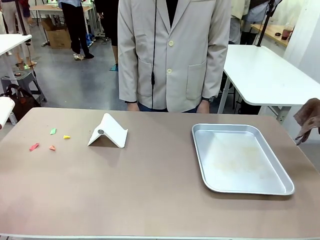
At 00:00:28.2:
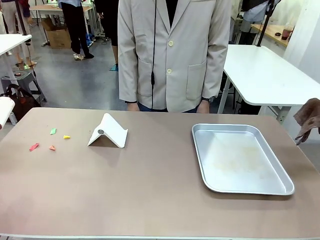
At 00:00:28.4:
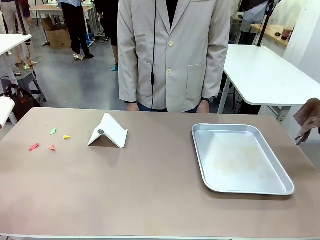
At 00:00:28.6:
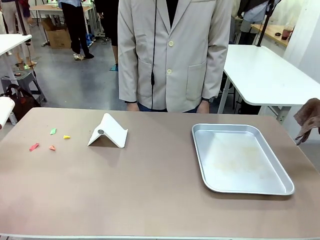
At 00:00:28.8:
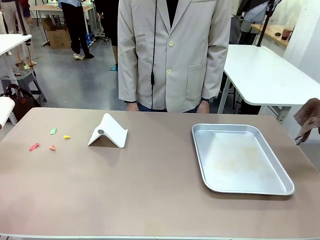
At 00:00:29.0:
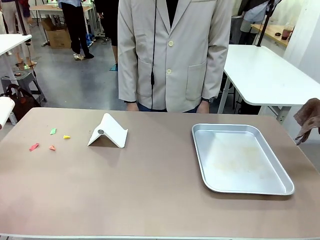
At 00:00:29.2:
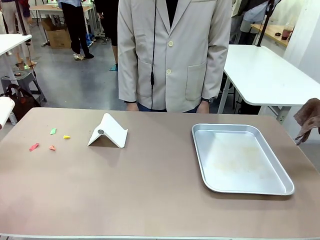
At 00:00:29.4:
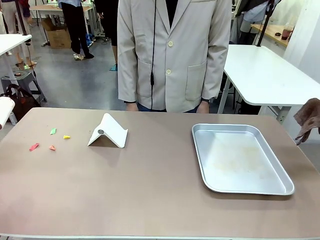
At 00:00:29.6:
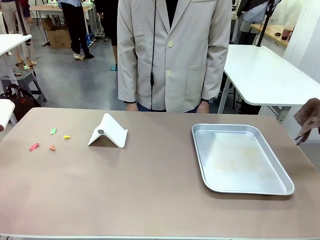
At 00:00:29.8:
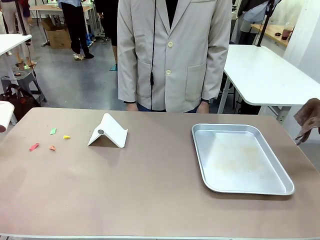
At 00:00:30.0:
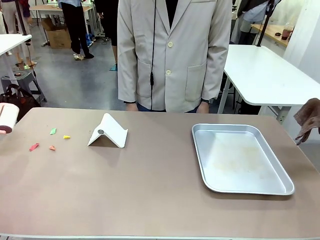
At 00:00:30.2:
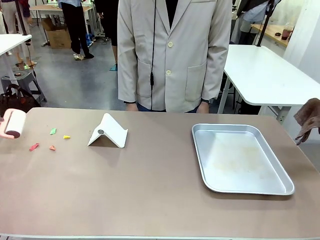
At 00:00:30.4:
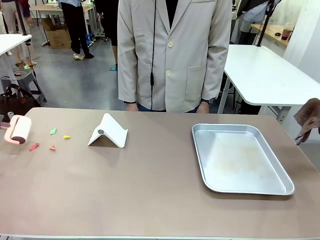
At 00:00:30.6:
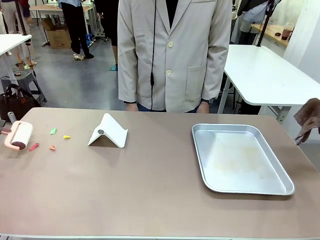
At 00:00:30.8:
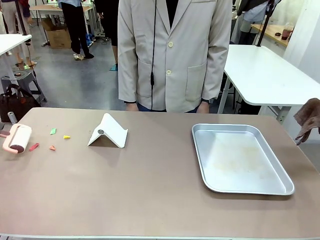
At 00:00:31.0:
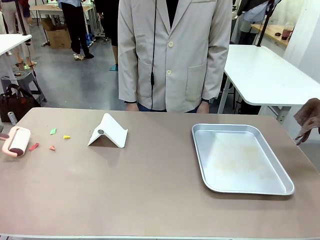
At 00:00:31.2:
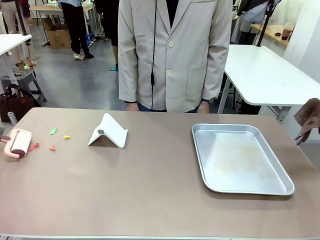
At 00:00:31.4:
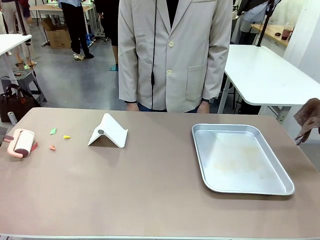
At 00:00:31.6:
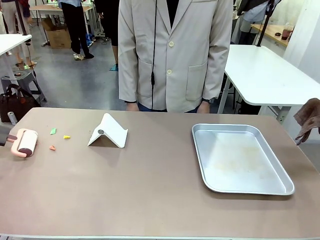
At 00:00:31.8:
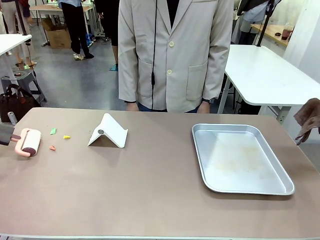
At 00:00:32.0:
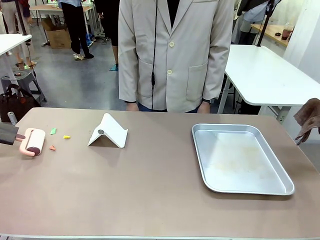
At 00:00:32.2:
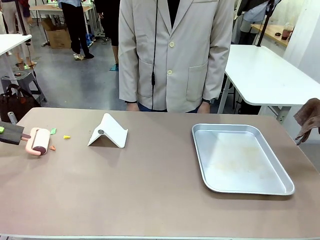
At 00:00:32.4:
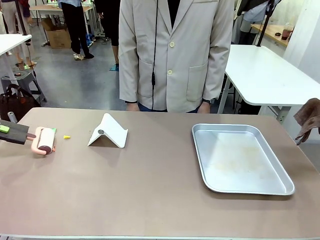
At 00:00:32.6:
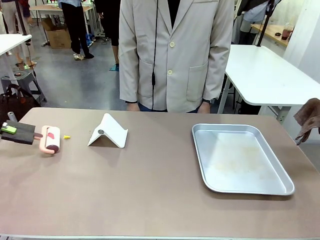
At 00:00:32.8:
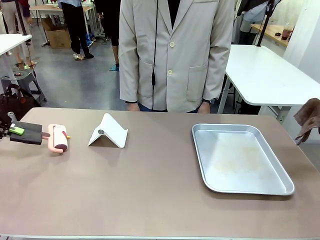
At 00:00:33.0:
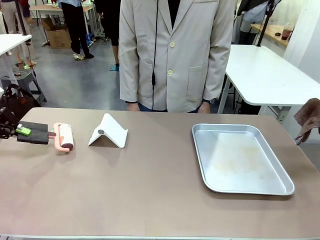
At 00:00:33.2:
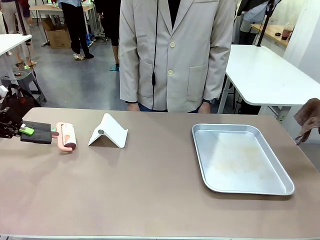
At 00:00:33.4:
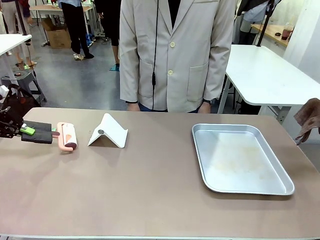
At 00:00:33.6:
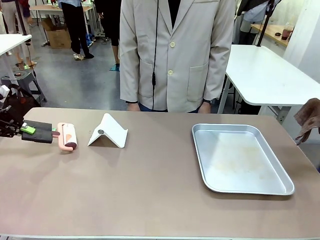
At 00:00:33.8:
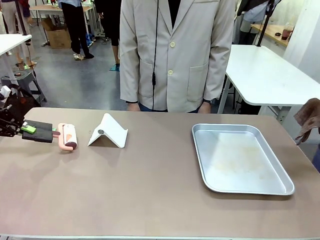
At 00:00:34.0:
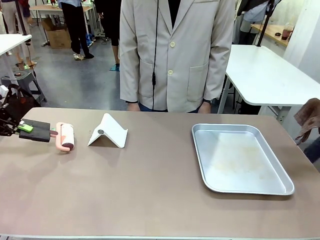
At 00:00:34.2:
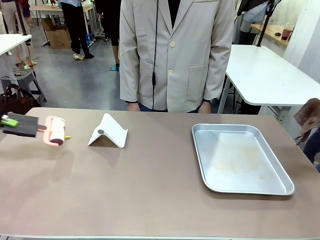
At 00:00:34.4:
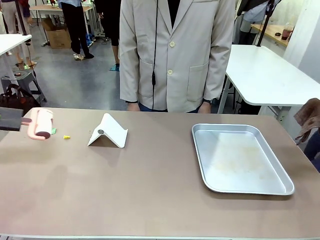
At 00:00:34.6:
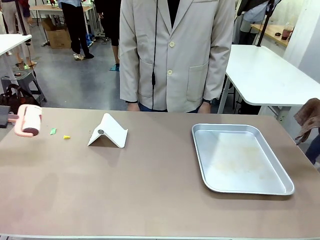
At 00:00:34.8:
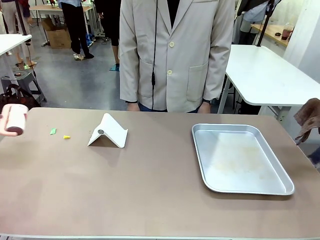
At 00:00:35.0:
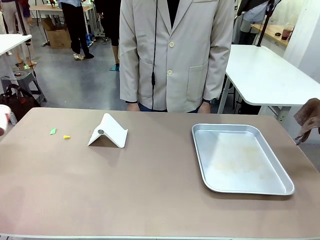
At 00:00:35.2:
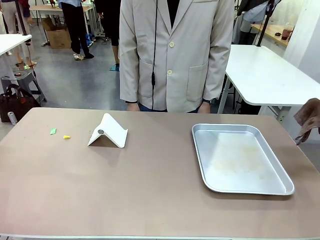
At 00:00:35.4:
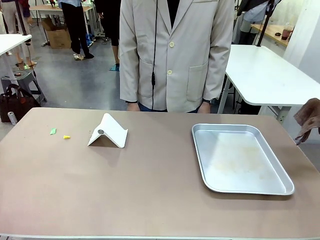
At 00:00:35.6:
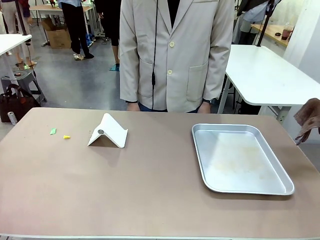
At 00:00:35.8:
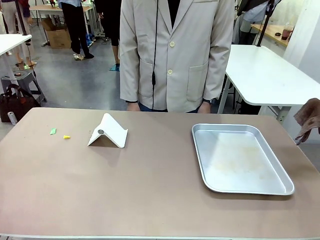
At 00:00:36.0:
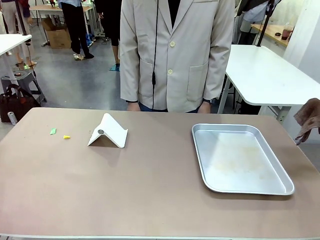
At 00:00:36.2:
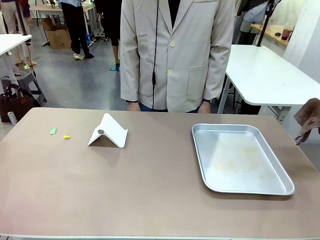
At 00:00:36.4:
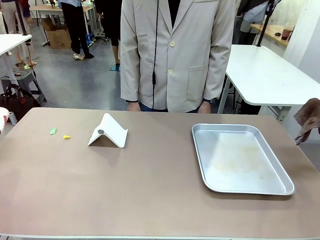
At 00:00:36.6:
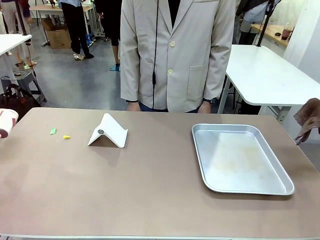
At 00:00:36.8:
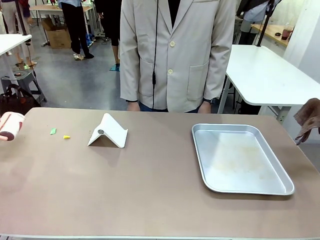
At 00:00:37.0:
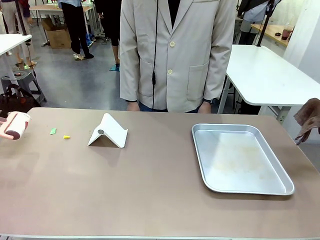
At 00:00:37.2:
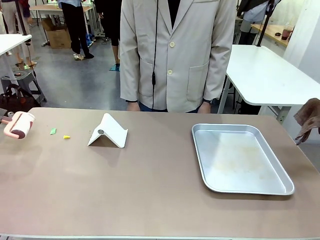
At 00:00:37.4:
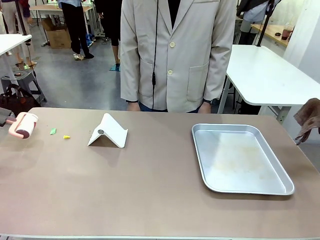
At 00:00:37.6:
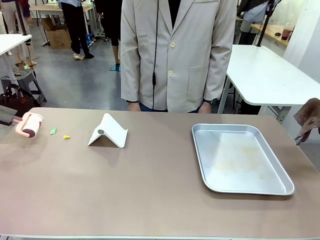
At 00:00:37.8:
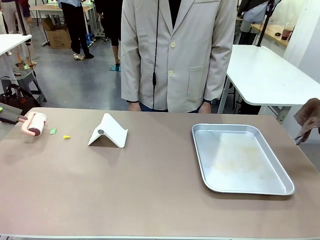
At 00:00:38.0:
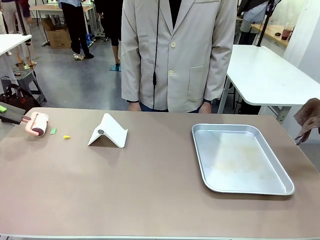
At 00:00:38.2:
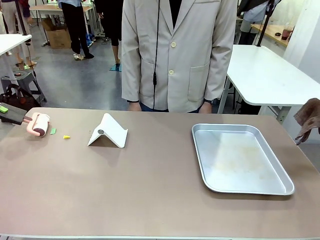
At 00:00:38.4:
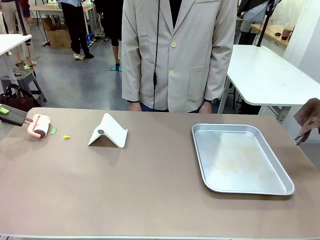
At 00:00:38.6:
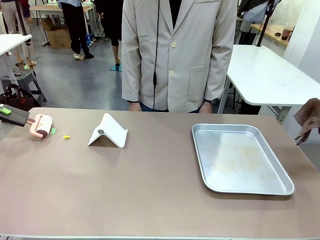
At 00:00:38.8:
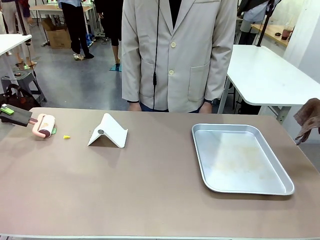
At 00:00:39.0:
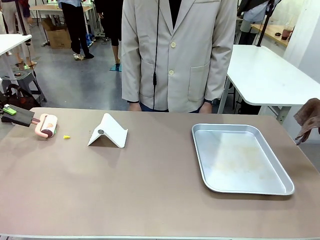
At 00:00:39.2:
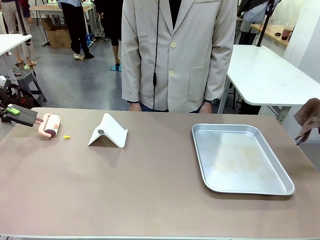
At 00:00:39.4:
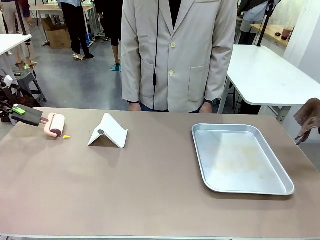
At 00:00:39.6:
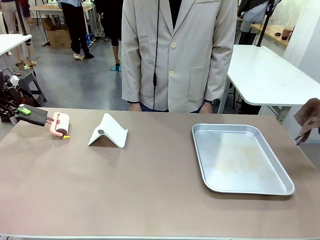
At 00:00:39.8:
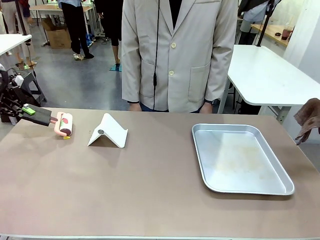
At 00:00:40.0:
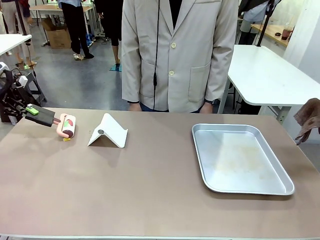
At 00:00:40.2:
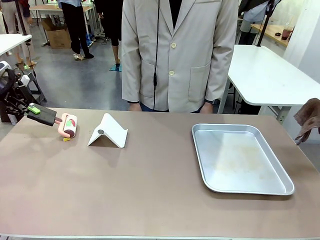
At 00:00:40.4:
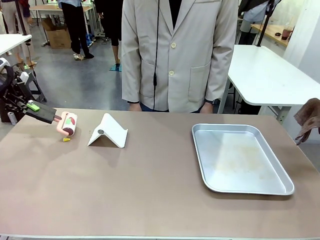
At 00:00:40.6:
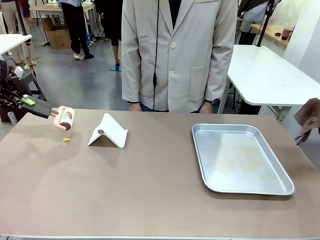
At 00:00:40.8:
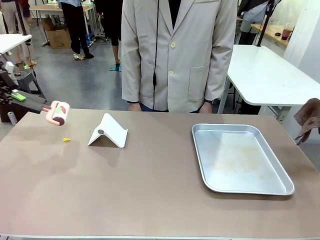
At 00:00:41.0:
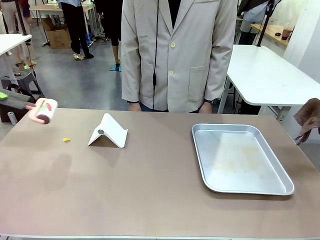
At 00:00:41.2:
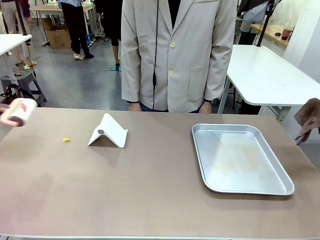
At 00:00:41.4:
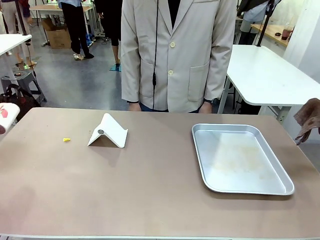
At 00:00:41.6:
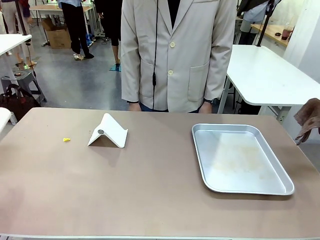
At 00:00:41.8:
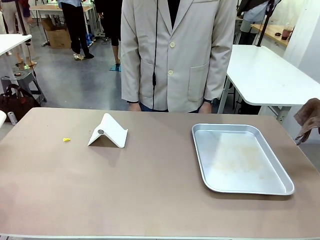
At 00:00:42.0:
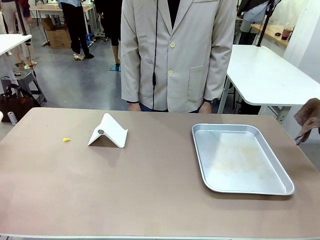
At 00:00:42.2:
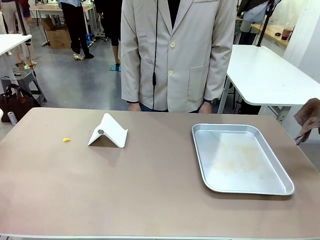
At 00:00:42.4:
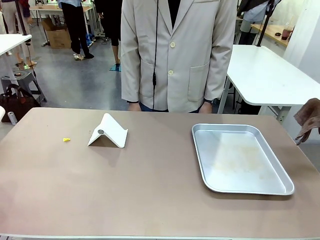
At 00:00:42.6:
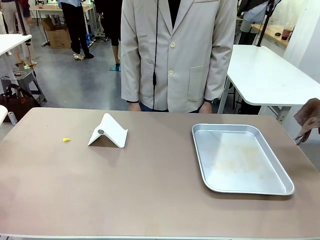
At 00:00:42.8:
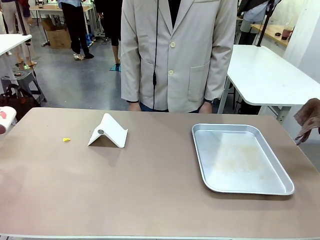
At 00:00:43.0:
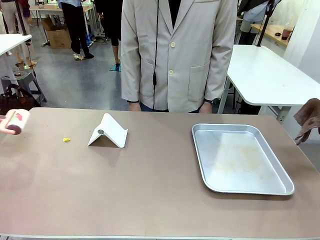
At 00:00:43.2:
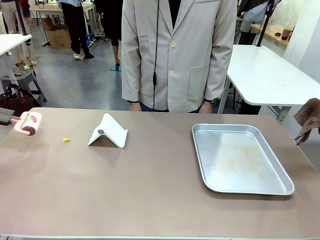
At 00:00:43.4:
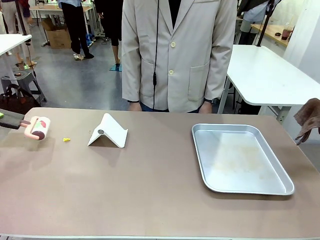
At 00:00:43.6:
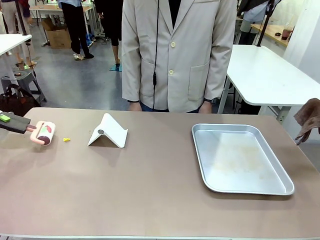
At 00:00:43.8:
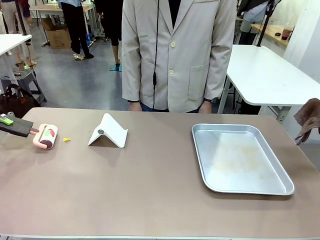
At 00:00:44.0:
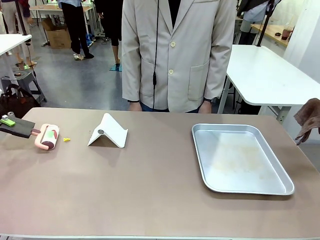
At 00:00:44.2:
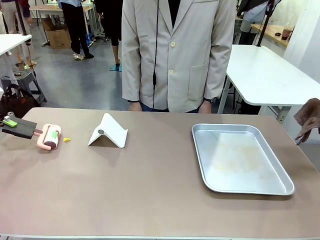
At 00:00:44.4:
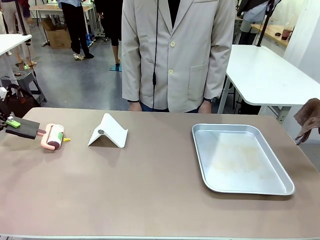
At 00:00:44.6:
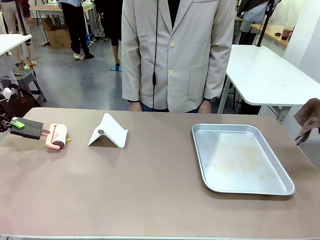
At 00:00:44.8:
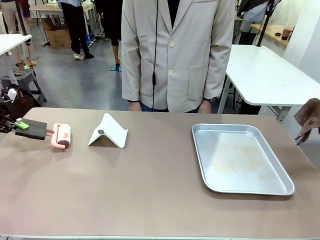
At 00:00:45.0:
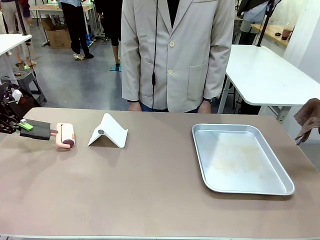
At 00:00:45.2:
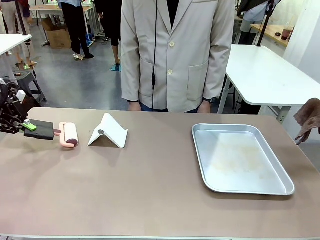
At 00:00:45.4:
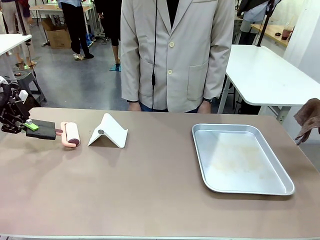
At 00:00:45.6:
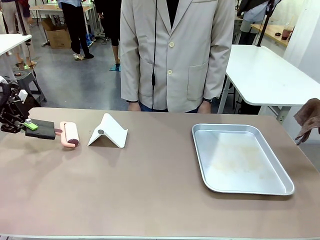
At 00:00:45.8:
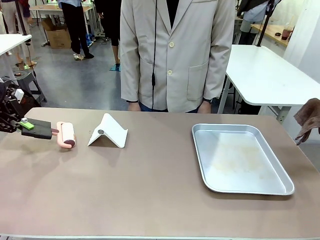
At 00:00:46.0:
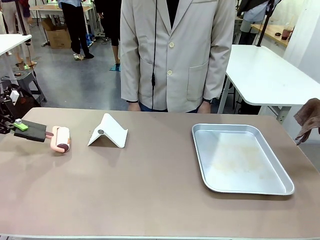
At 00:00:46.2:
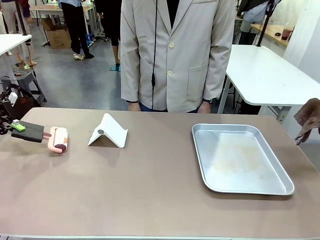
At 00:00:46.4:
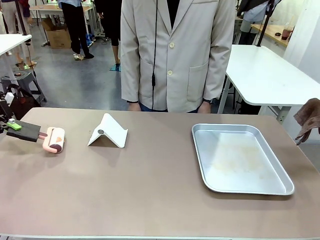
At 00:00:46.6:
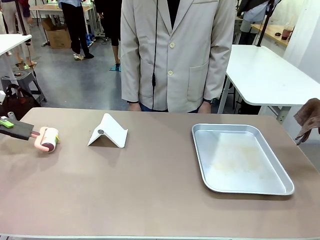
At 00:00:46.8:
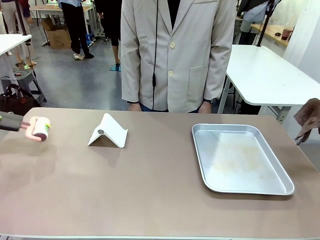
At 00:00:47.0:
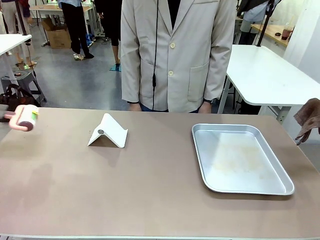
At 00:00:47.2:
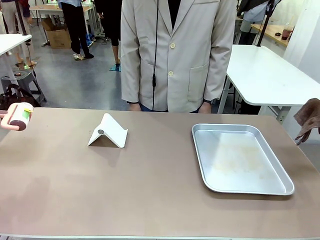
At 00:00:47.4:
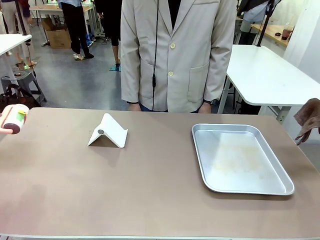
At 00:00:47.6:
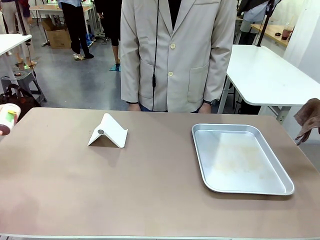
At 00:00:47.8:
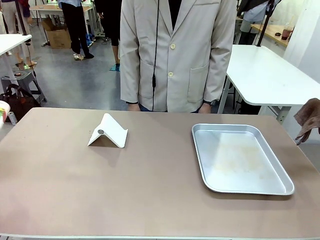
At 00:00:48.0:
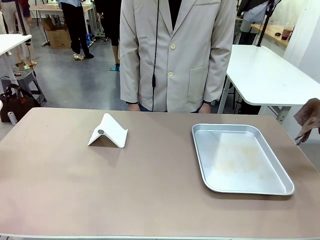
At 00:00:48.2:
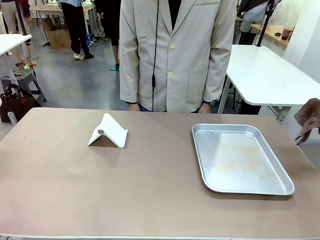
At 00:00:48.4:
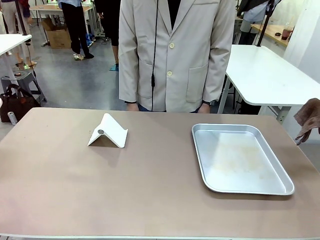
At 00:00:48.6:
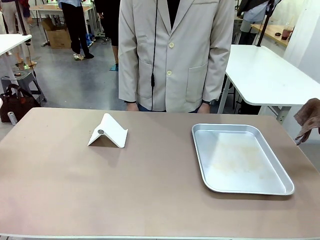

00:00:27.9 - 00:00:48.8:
Task: Clean the surface of the table.
Robot: Clean the area not pointed to by the person.
